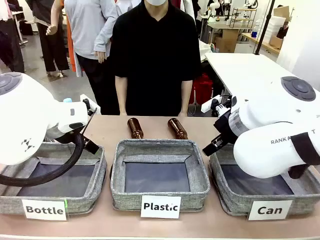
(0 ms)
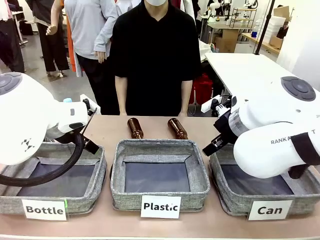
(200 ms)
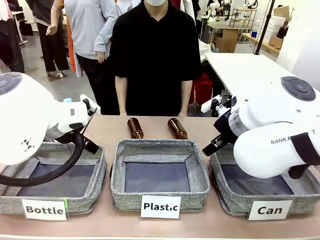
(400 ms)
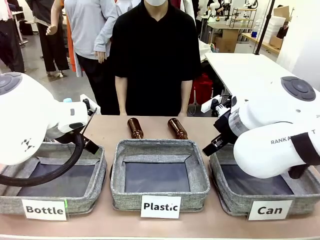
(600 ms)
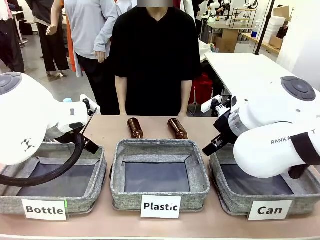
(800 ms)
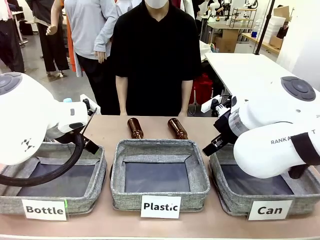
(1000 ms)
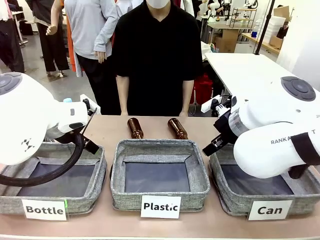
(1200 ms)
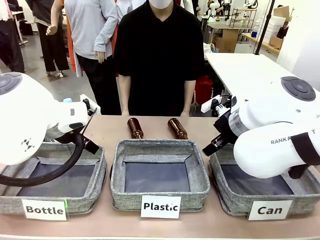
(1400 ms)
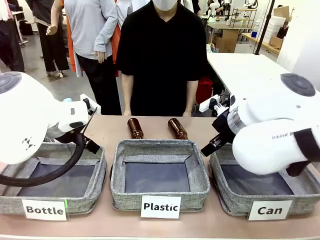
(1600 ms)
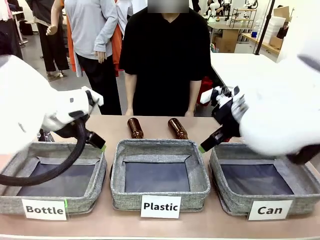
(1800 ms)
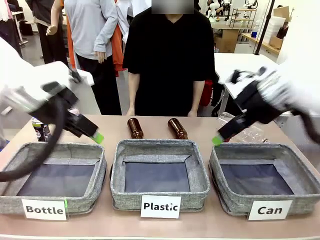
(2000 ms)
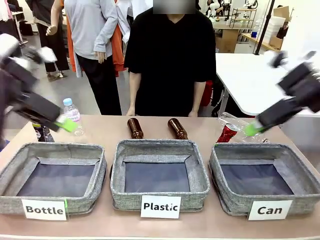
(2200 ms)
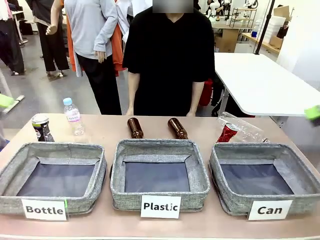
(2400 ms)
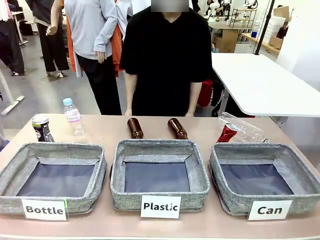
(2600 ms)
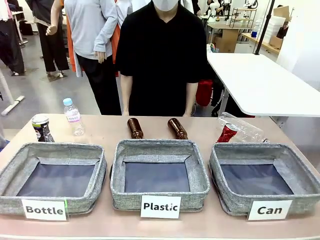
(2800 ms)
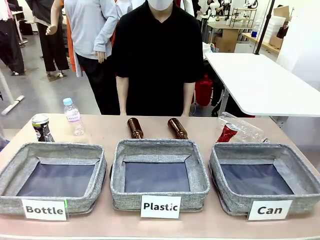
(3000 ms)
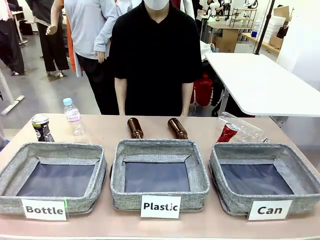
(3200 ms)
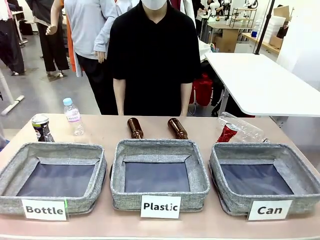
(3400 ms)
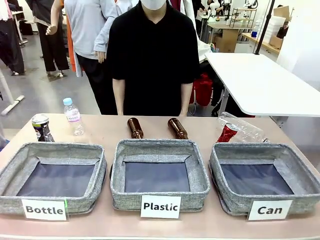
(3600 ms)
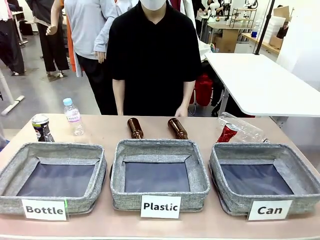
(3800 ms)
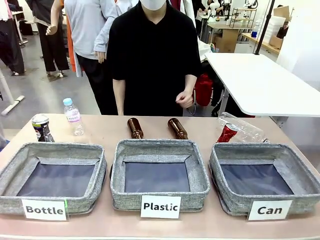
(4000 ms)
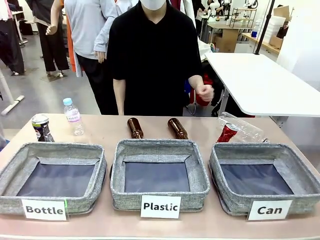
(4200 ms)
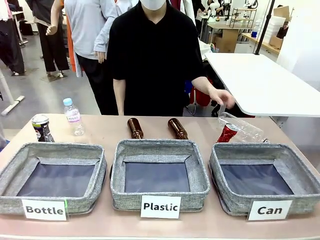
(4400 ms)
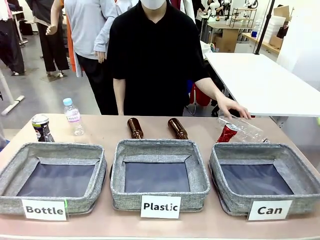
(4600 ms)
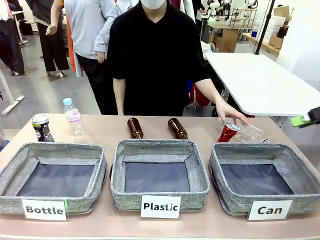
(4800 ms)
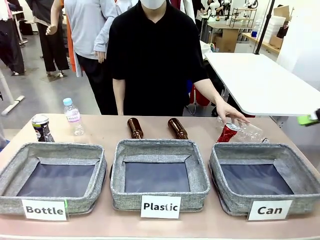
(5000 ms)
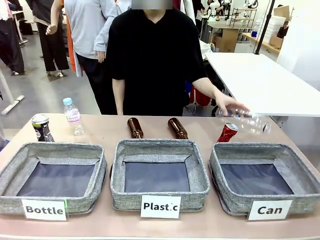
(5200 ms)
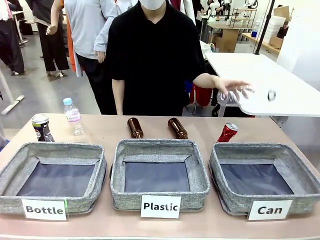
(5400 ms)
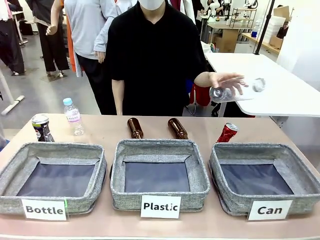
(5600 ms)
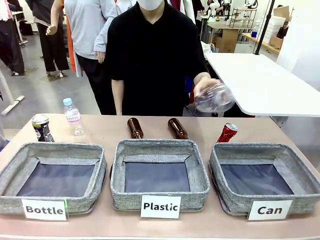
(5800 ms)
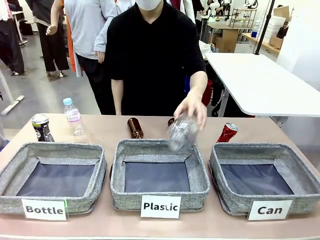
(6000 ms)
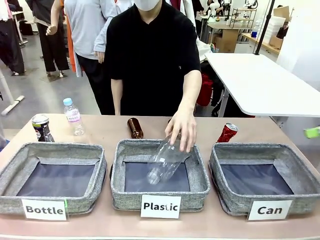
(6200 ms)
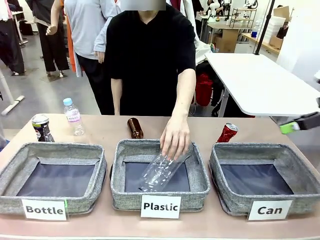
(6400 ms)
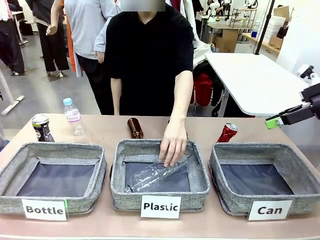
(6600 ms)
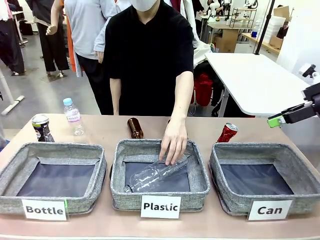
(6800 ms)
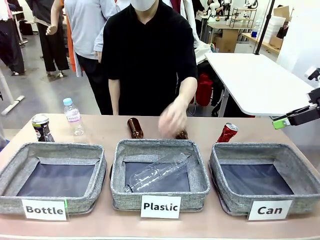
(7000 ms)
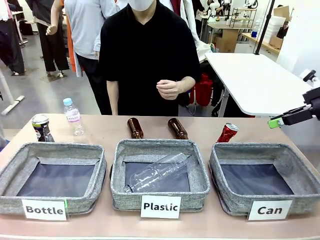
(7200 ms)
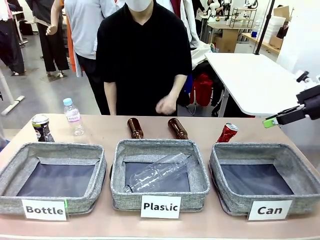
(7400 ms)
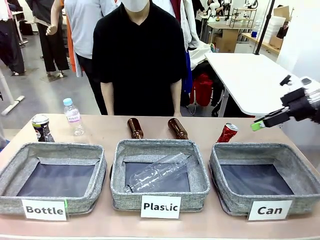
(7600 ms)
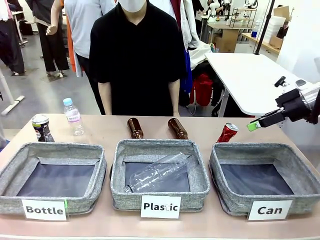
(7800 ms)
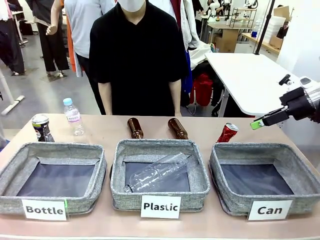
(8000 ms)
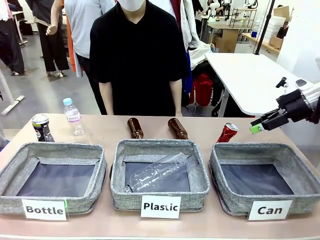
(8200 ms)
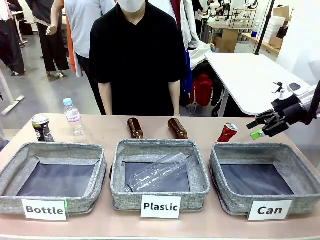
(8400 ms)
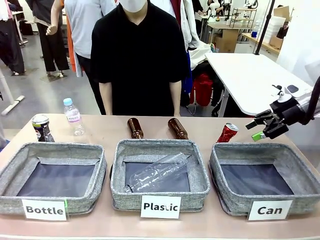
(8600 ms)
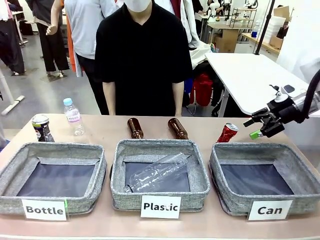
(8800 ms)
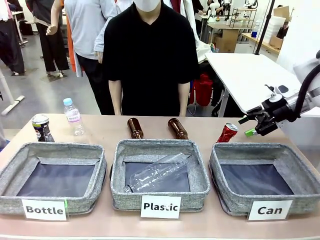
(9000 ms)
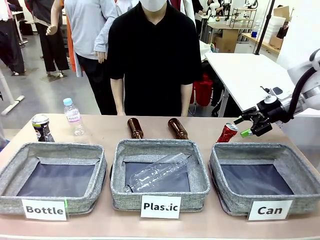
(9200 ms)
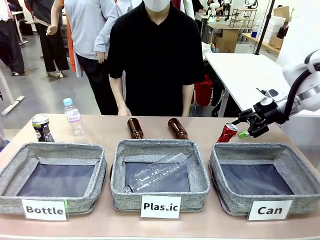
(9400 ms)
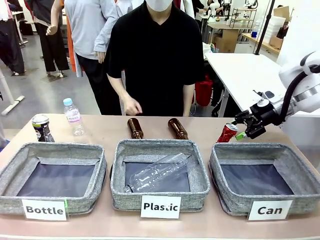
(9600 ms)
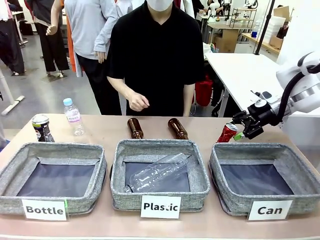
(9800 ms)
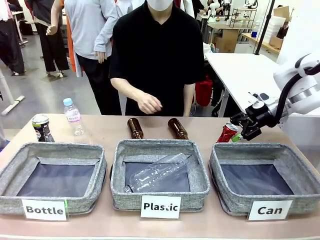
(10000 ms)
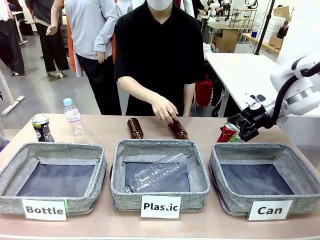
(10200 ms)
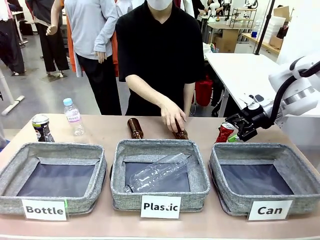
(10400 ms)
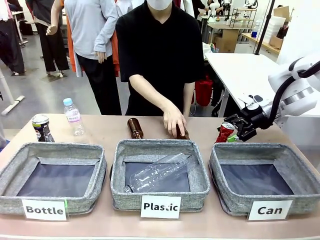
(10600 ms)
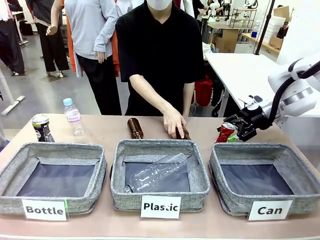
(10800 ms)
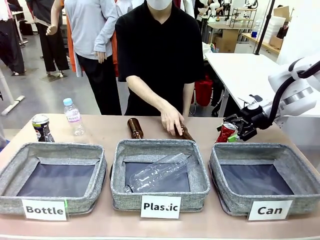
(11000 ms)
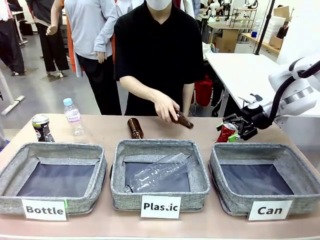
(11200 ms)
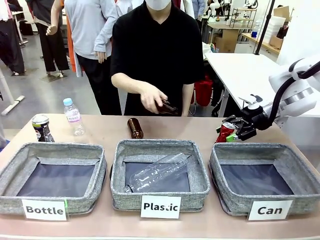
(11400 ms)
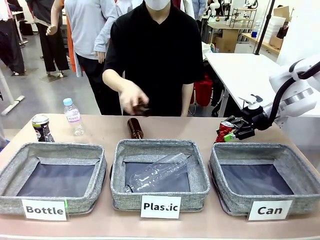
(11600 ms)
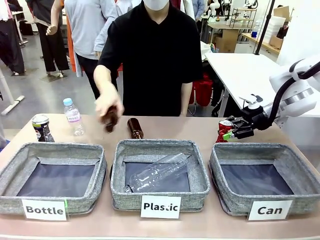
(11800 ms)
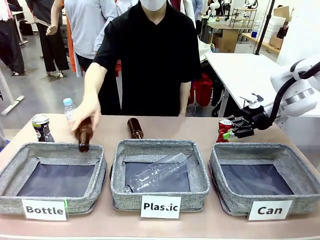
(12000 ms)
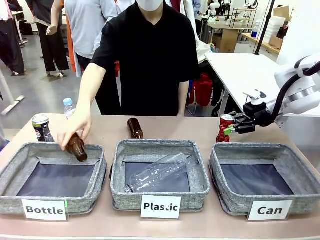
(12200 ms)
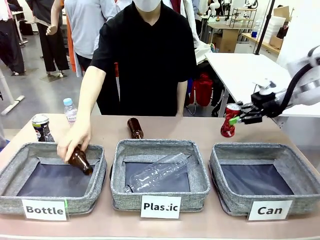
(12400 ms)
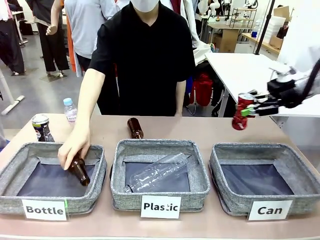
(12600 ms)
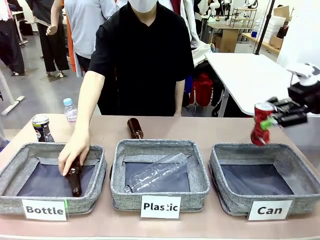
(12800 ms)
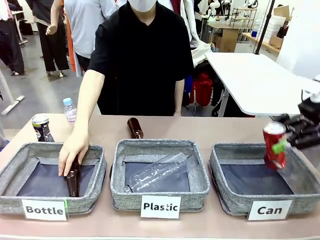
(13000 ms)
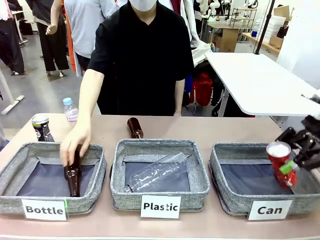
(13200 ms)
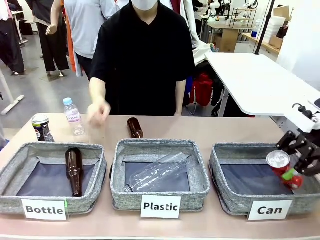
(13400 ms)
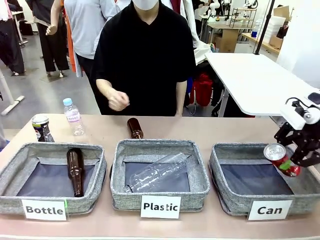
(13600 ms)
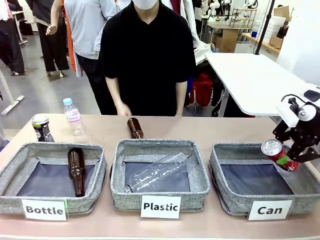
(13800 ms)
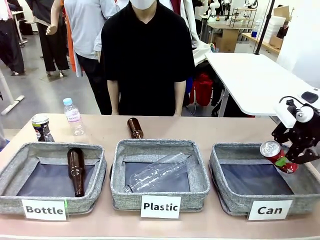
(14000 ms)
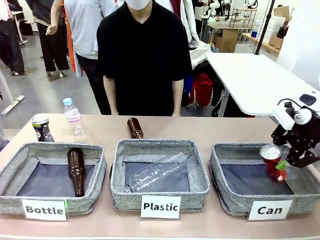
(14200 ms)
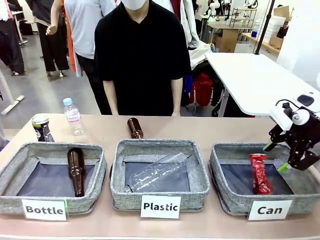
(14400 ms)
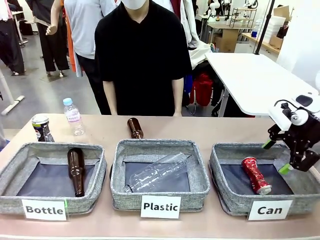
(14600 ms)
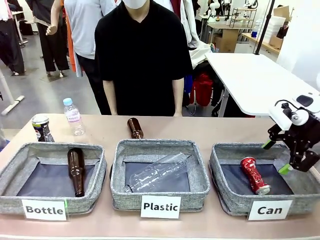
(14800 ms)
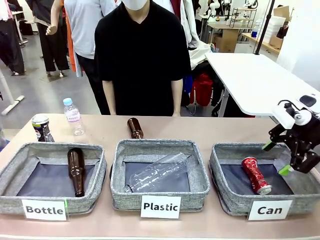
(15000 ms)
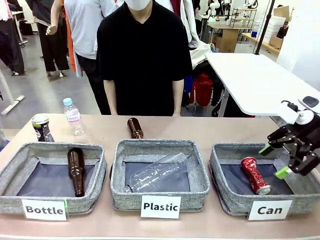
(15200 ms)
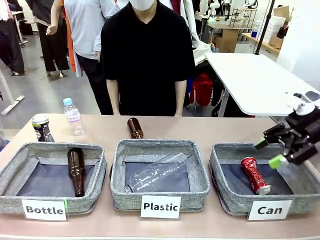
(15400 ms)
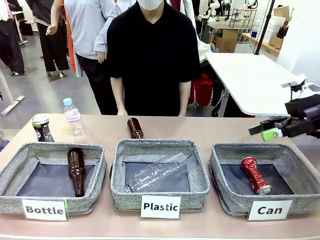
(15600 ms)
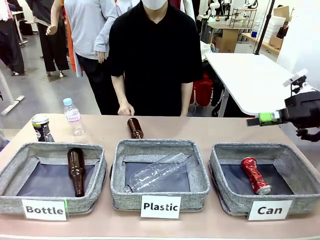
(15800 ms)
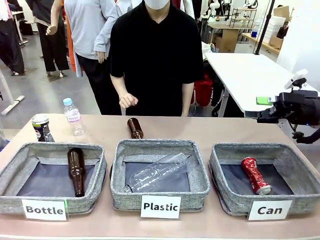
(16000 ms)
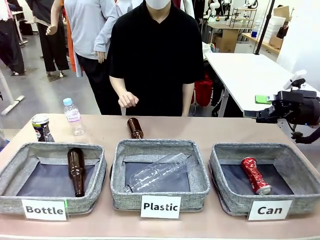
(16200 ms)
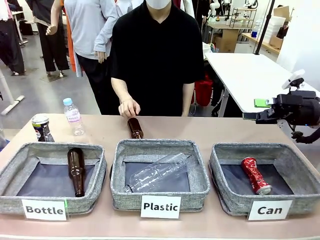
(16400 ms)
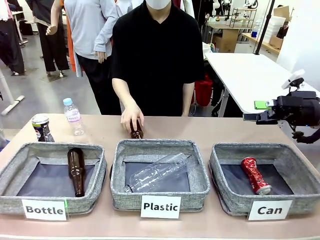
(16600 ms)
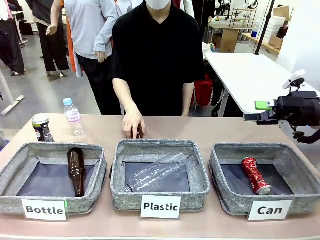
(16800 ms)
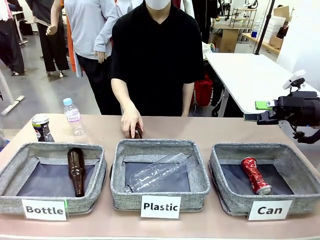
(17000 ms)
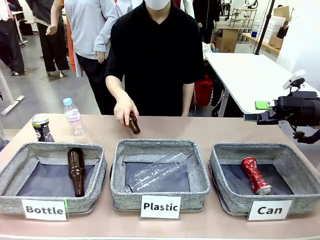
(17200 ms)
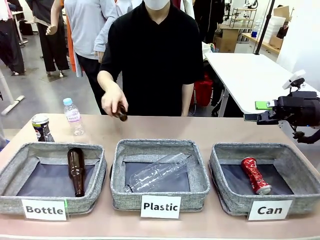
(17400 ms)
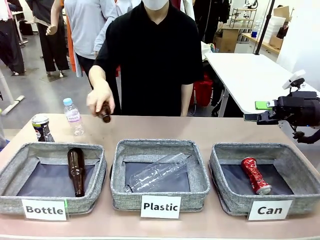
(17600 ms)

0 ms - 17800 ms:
Task: Sort the can waste into the basket.
Robot: Pick up the can waste from the table and place it in the right Fabric basket.
